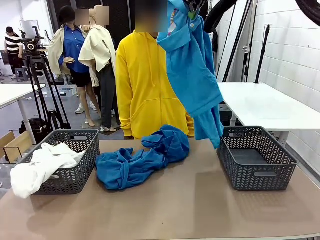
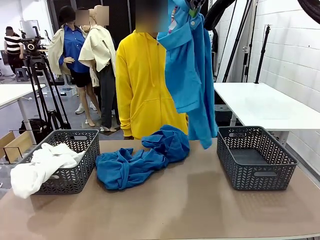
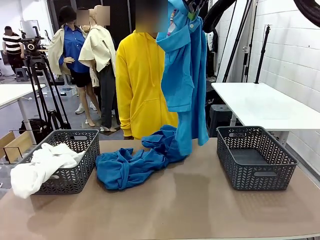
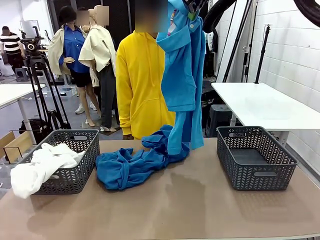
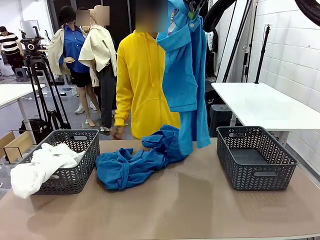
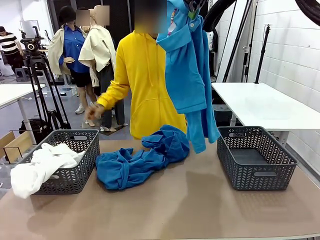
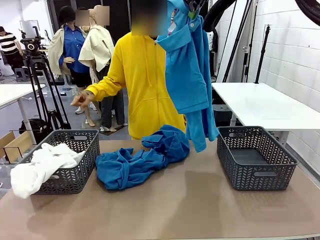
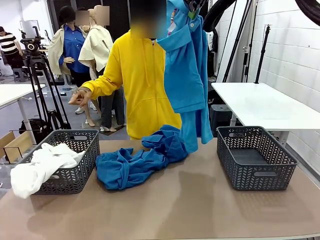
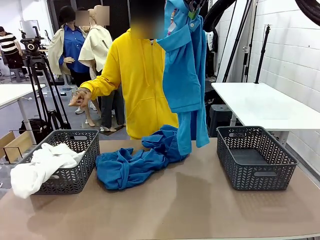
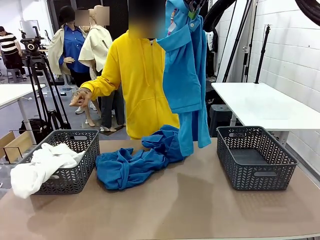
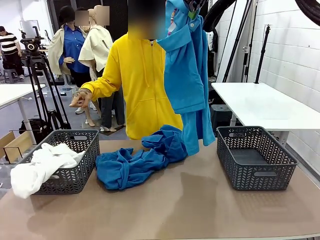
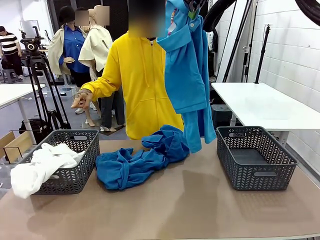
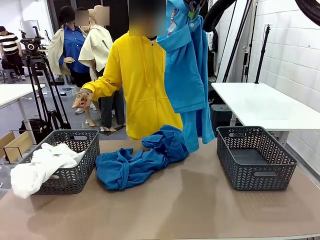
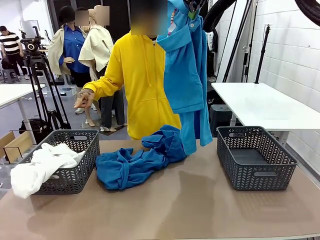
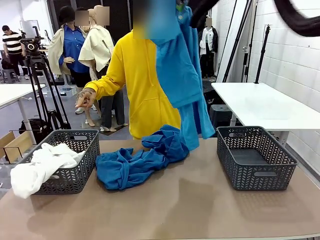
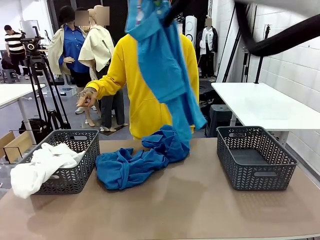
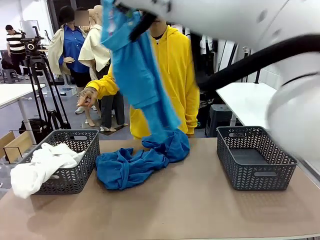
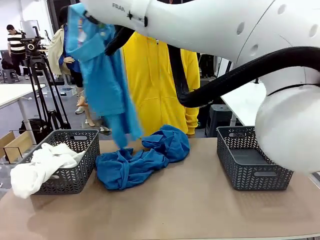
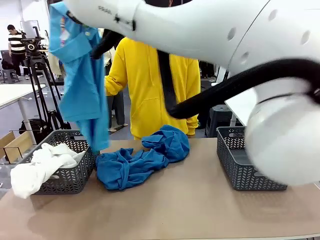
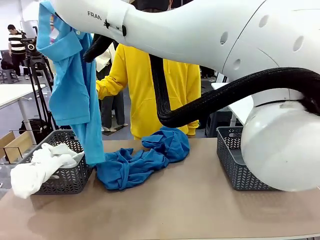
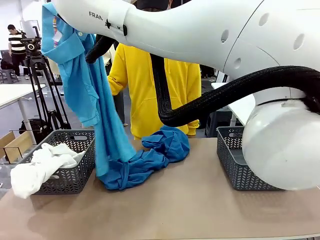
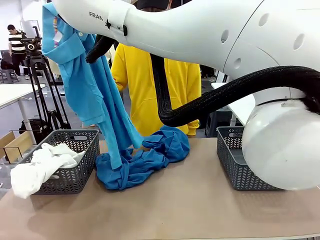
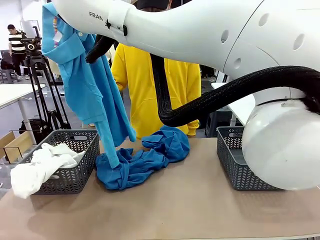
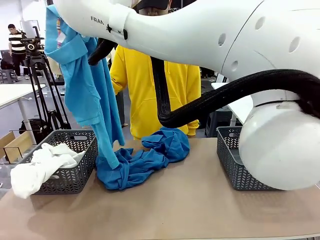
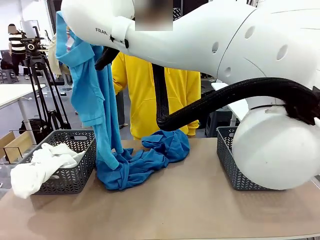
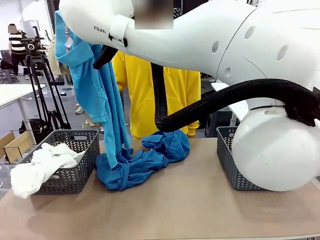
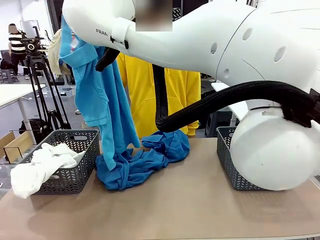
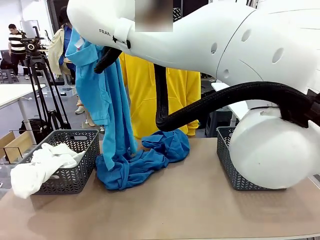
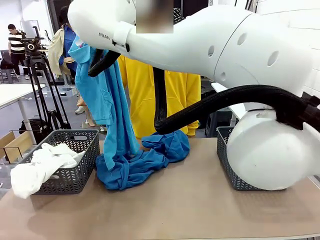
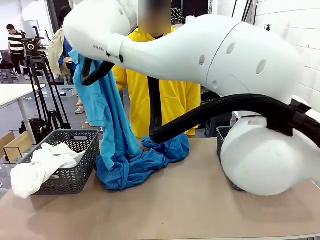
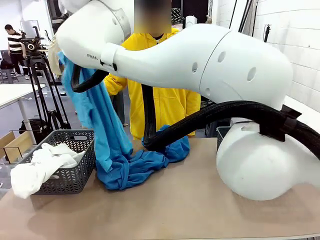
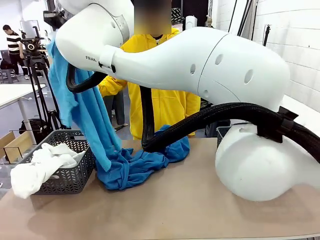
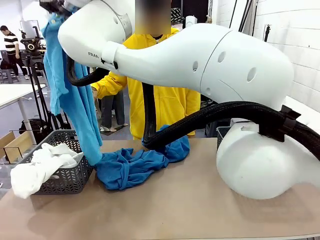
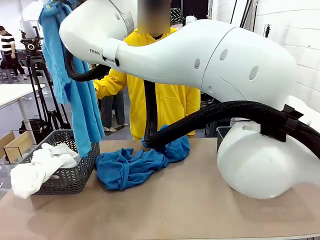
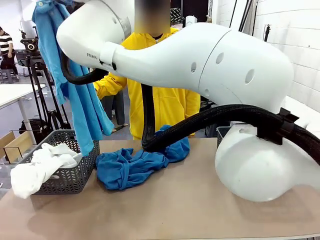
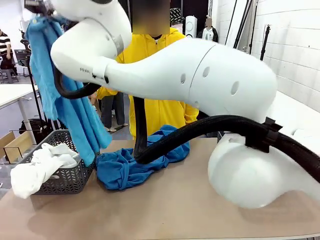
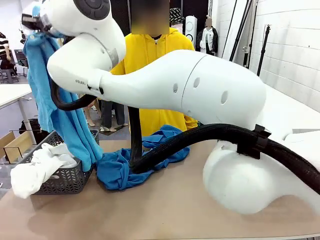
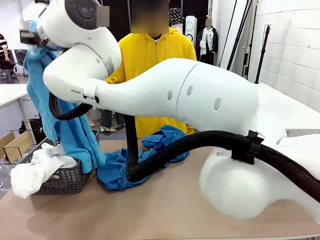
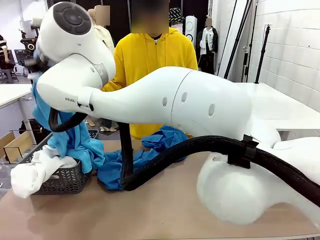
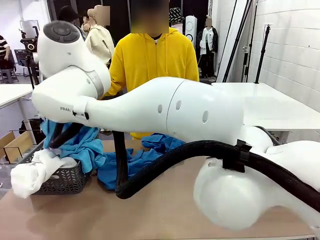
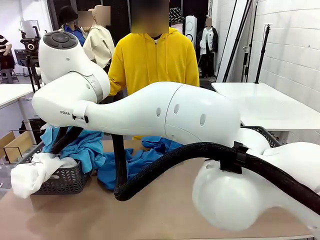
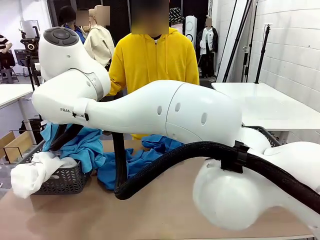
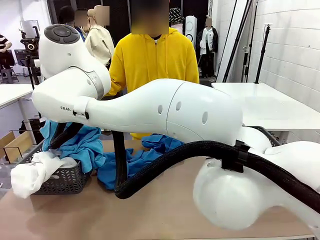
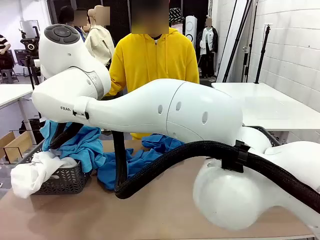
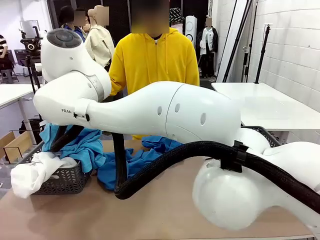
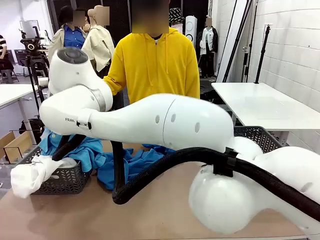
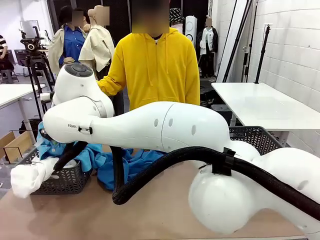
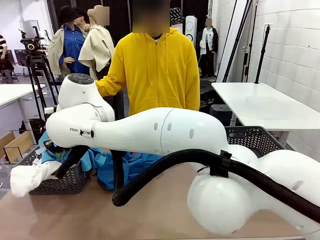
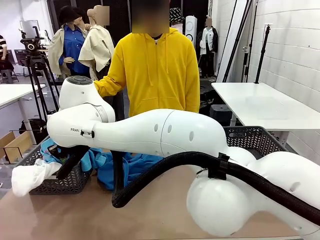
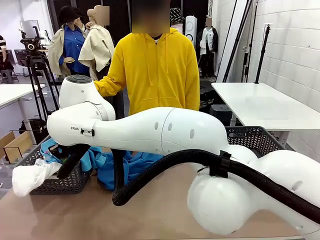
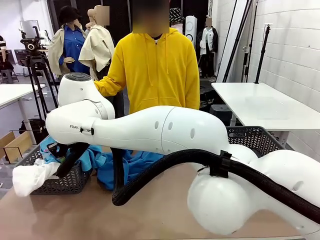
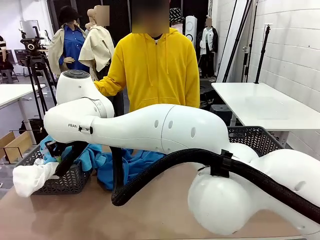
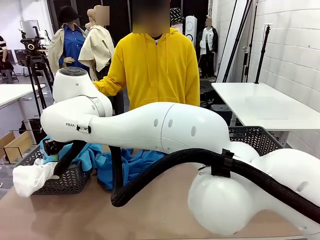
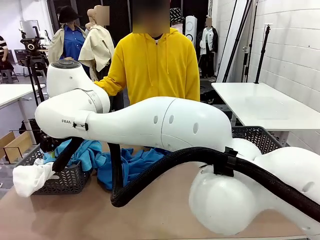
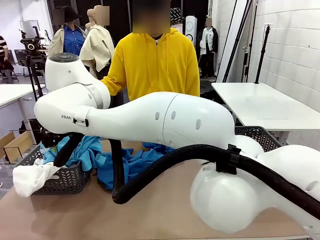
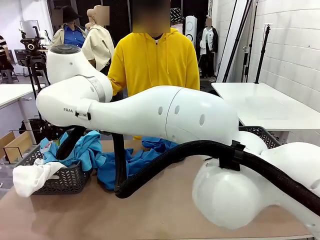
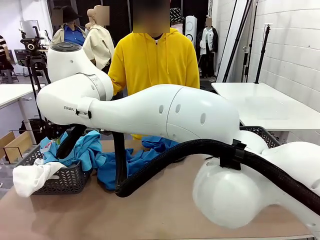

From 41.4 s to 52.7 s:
Task: Sort the tops and bottoms.
Robot: Sort the clothes according to human instructions.

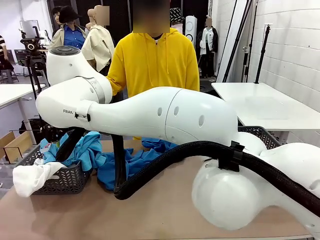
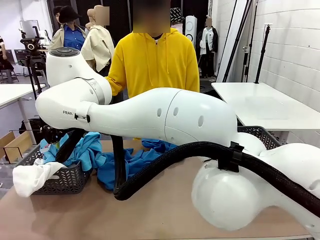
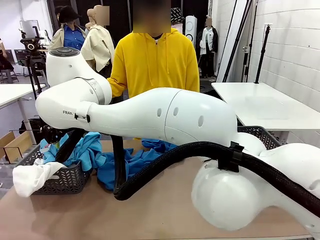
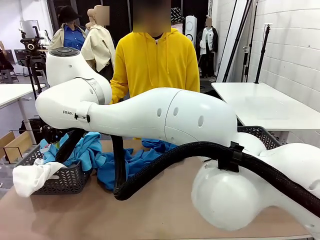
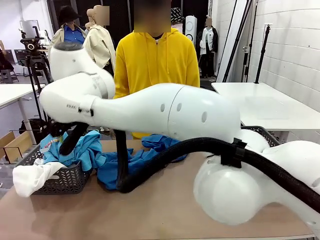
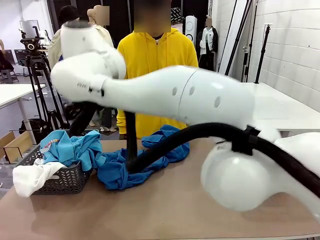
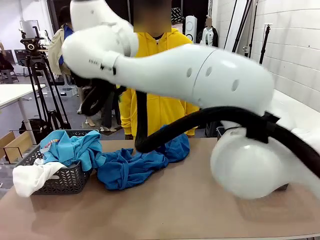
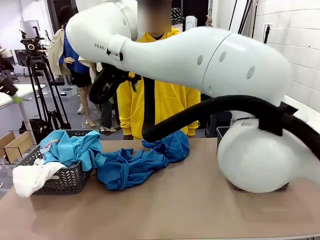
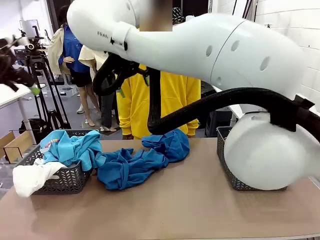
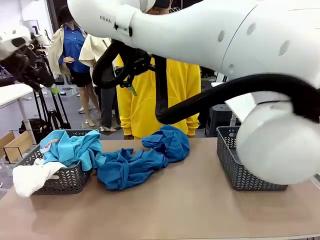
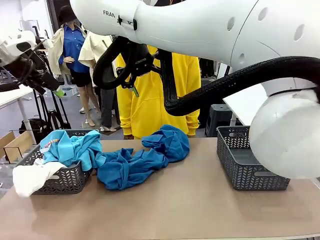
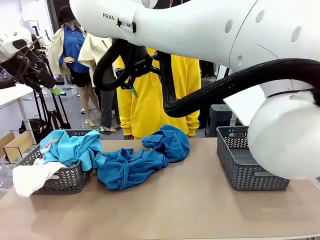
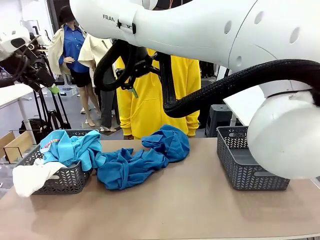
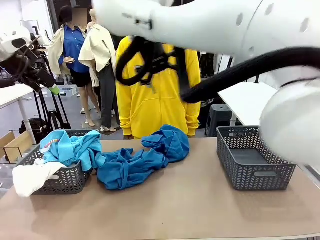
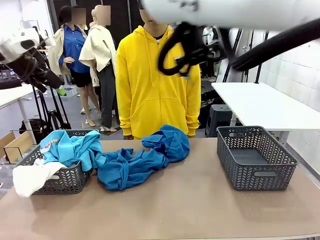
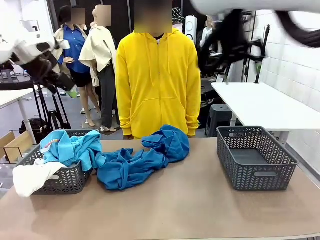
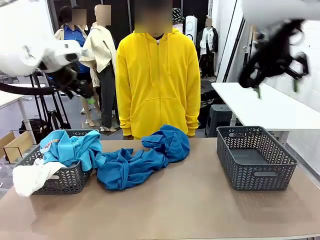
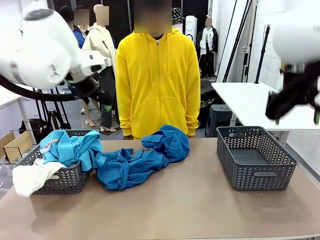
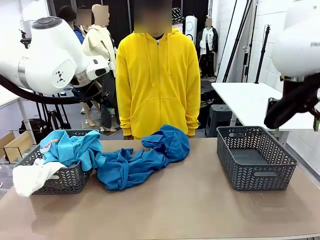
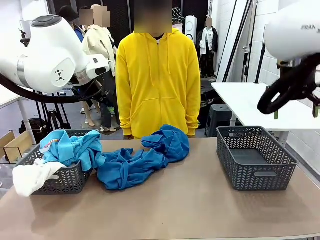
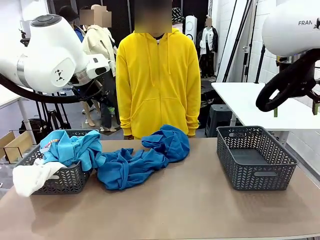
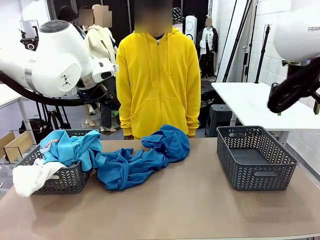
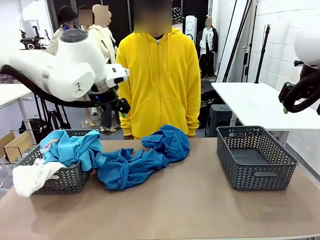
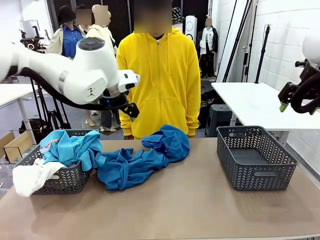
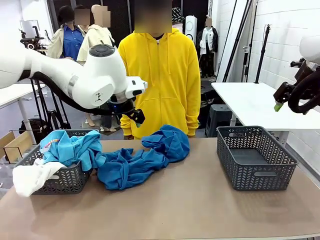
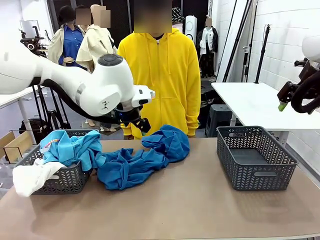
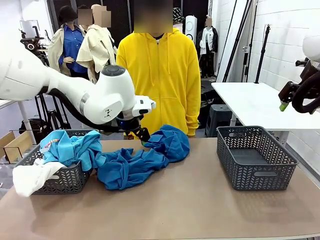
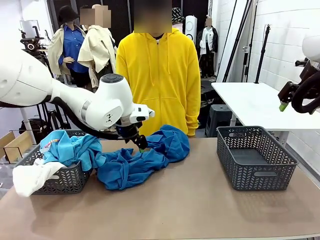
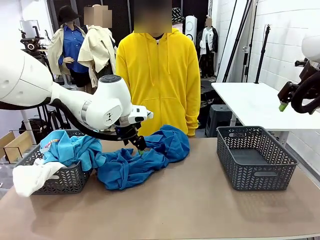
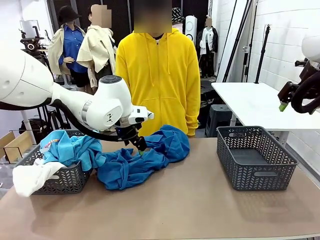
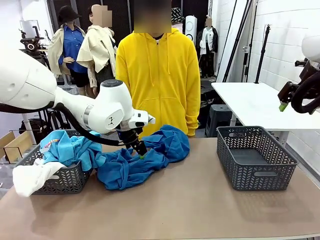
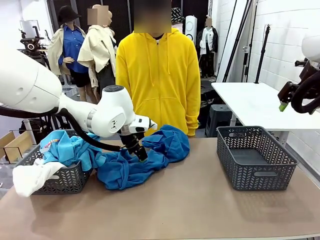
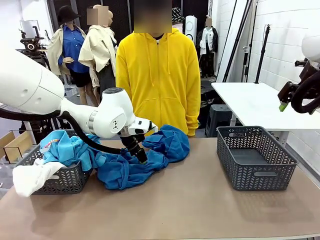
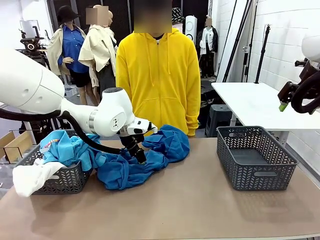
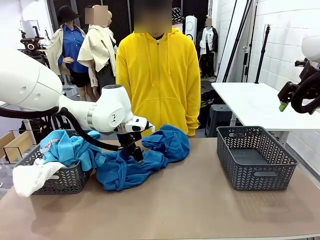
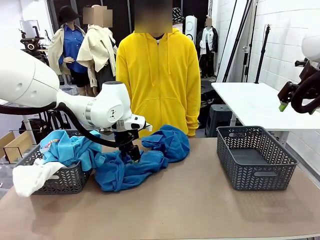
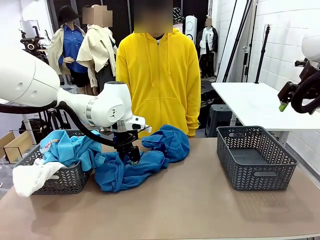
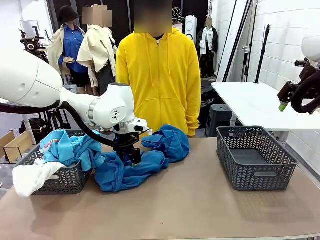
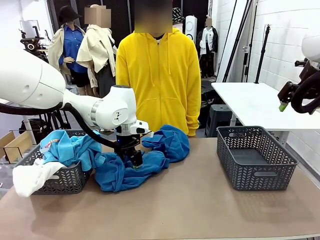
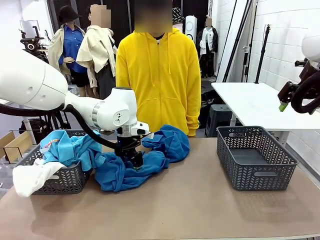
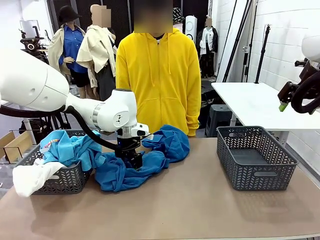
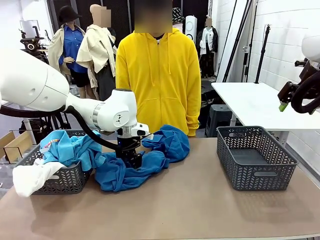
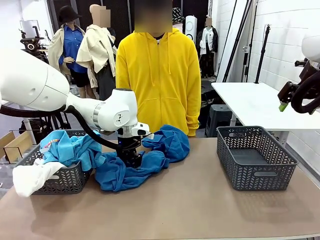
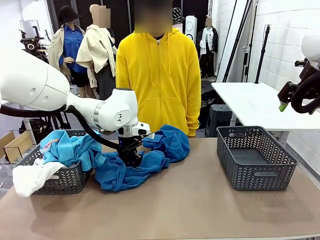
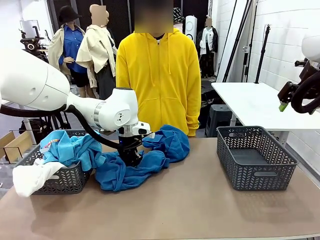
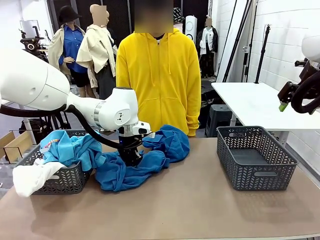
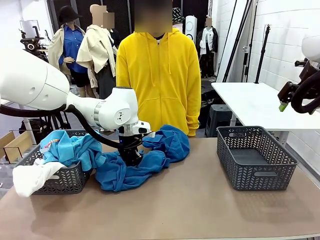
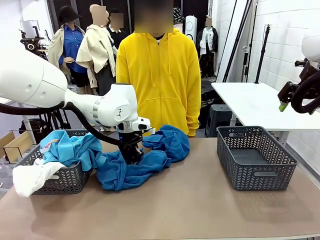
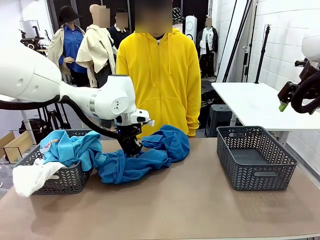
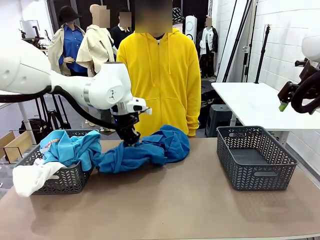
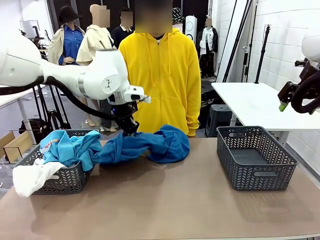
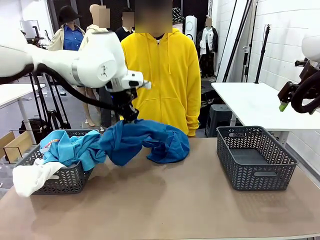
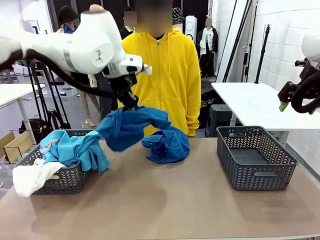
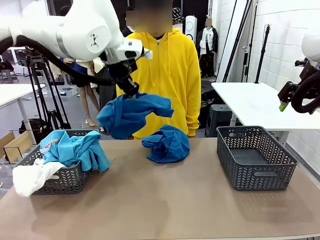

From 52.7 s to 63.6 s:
Robot: Lift clothes from the center of the table with your left hand.
